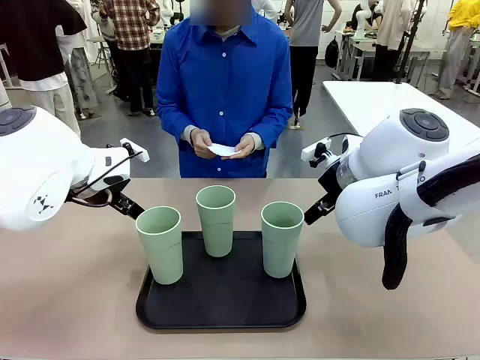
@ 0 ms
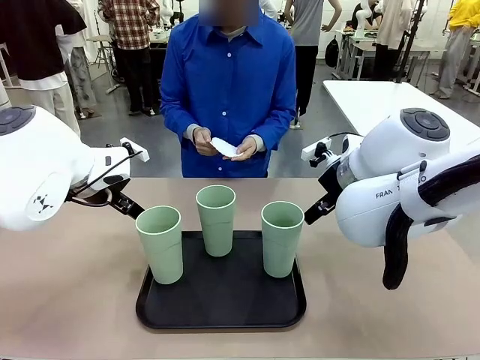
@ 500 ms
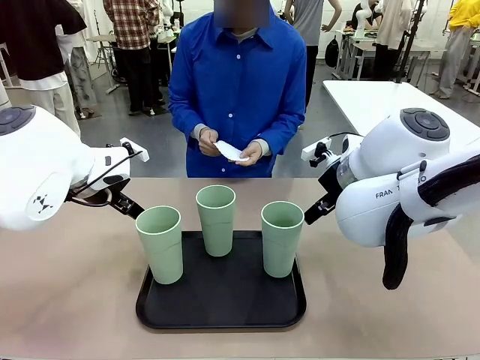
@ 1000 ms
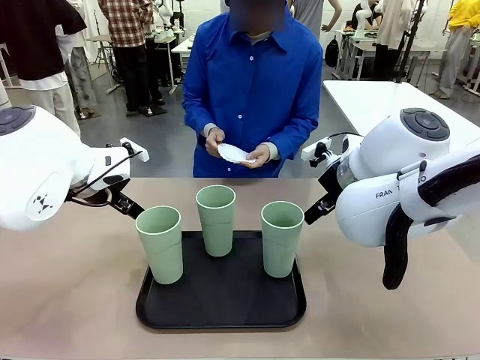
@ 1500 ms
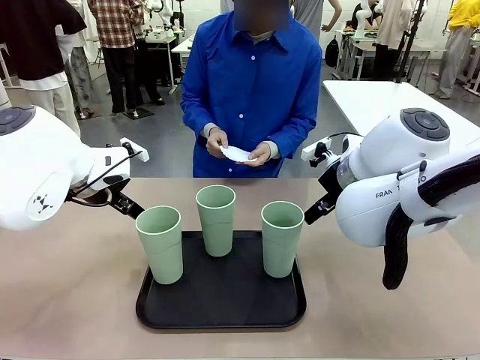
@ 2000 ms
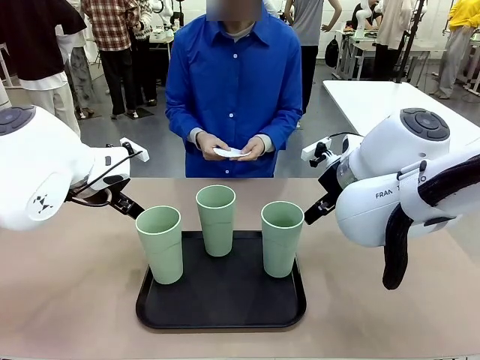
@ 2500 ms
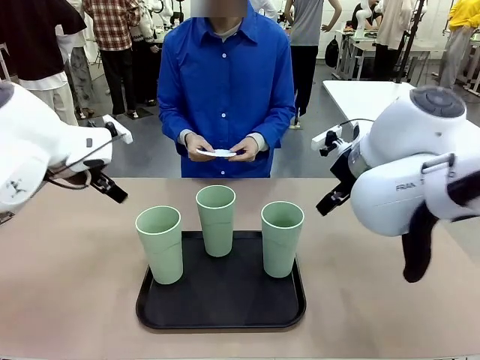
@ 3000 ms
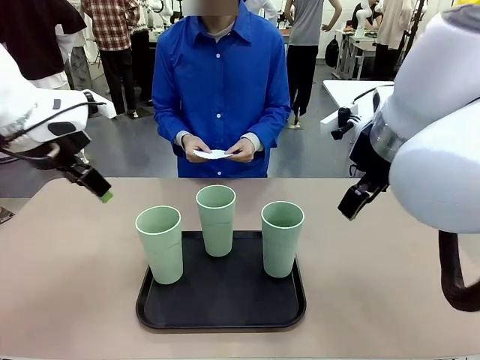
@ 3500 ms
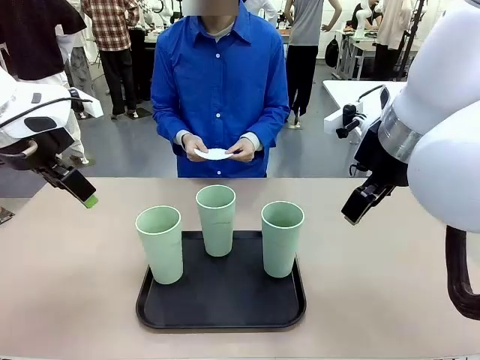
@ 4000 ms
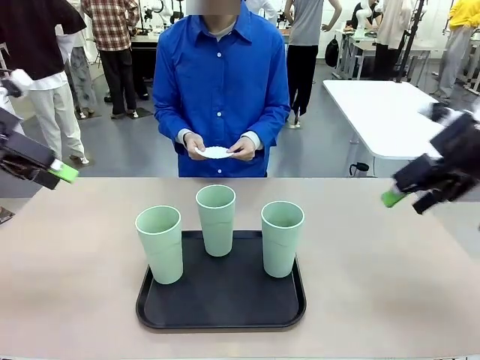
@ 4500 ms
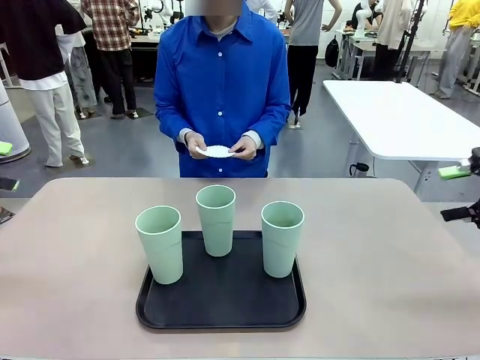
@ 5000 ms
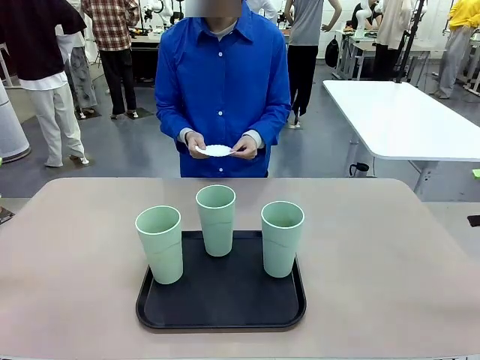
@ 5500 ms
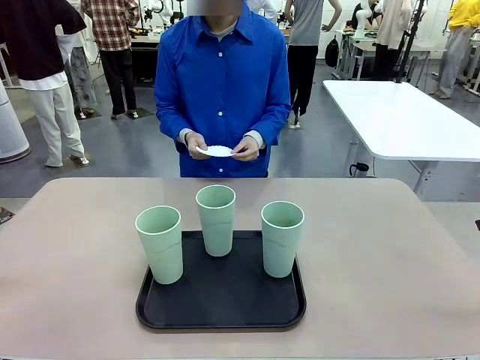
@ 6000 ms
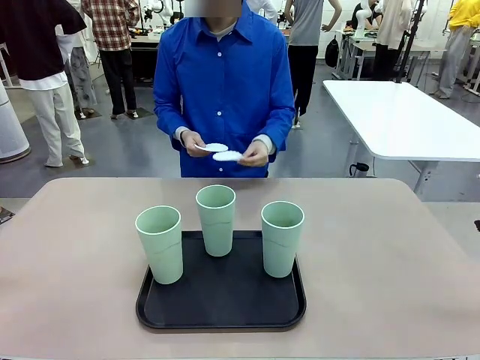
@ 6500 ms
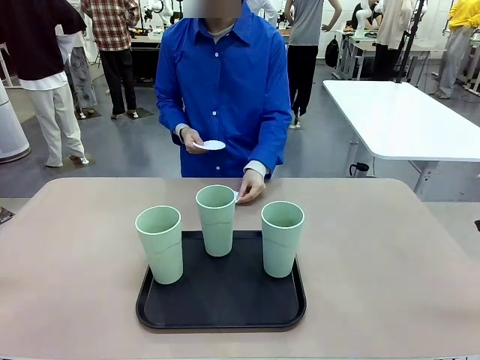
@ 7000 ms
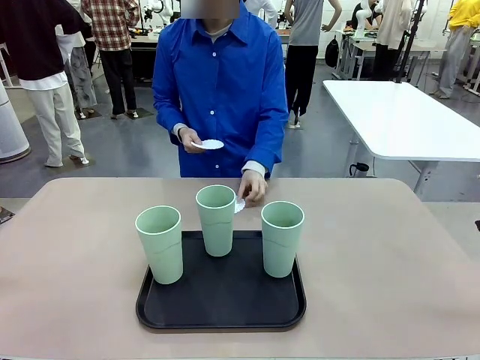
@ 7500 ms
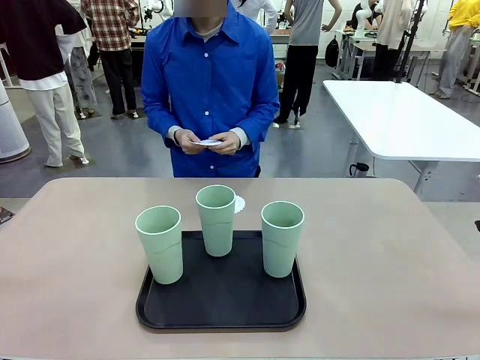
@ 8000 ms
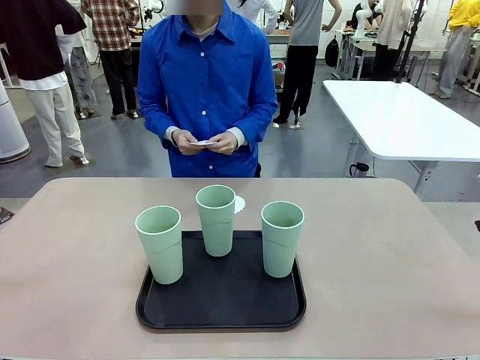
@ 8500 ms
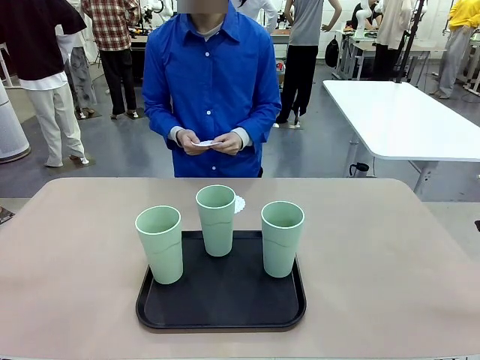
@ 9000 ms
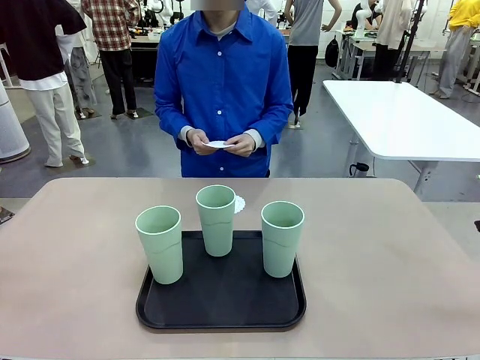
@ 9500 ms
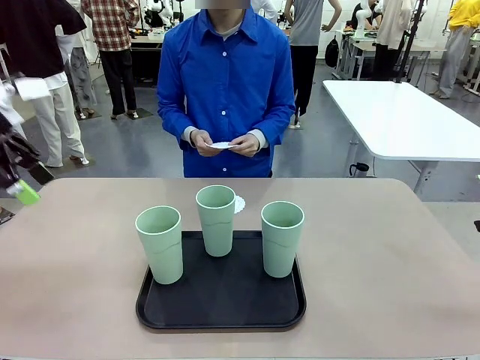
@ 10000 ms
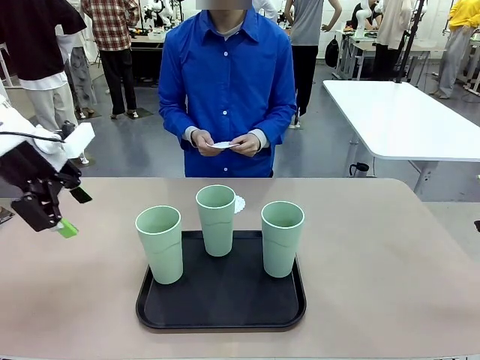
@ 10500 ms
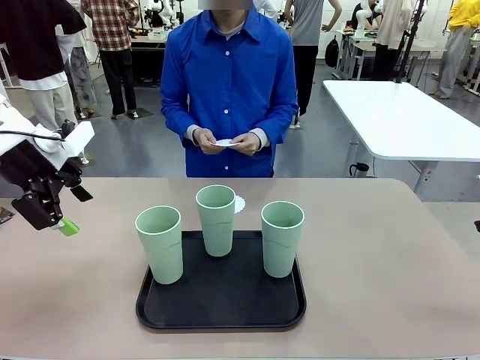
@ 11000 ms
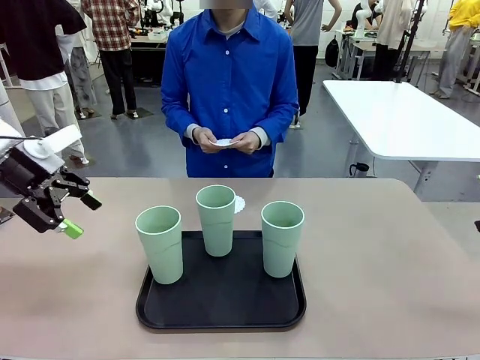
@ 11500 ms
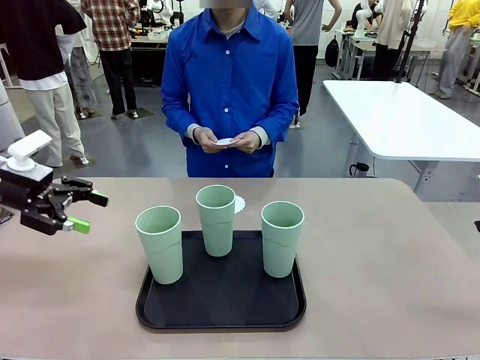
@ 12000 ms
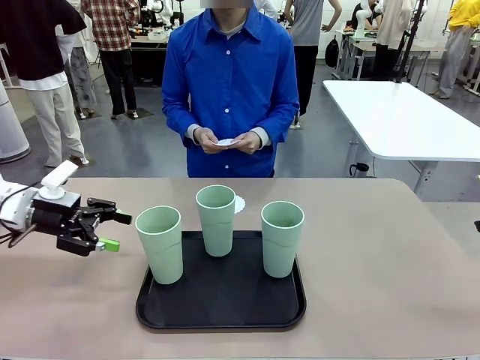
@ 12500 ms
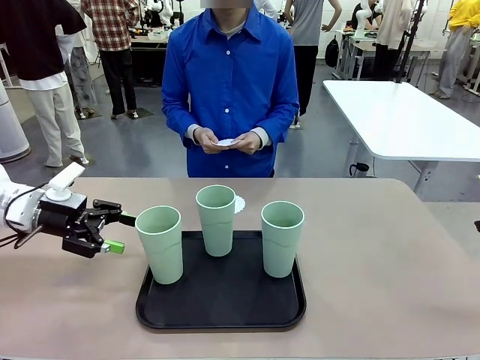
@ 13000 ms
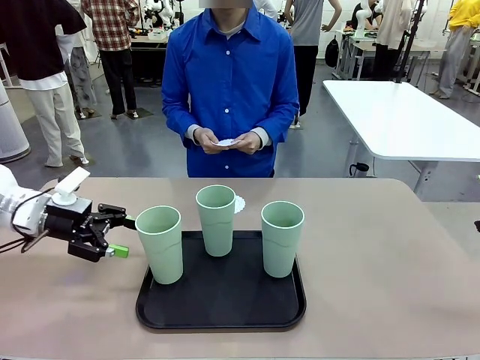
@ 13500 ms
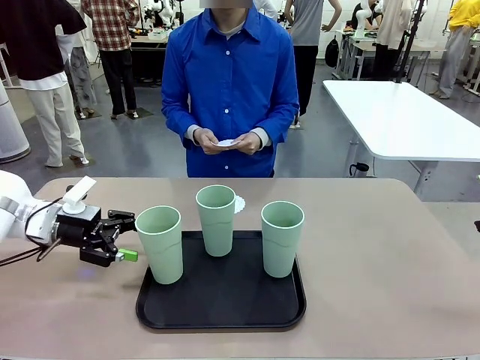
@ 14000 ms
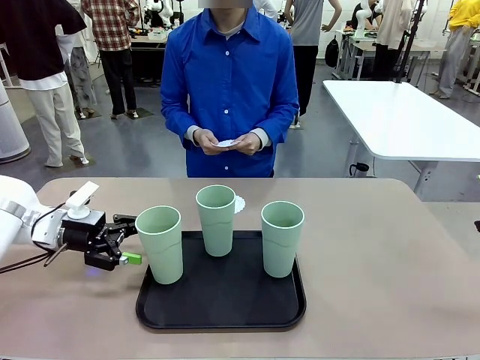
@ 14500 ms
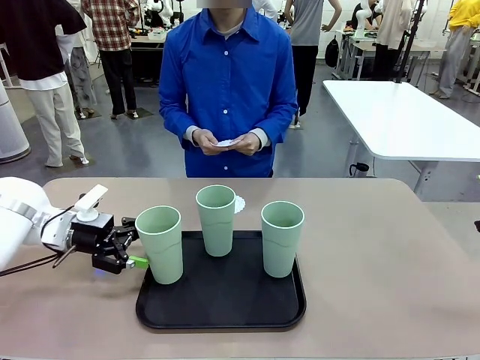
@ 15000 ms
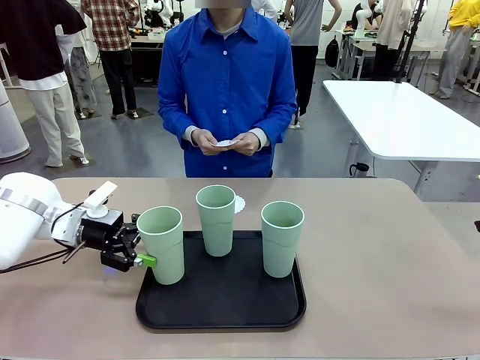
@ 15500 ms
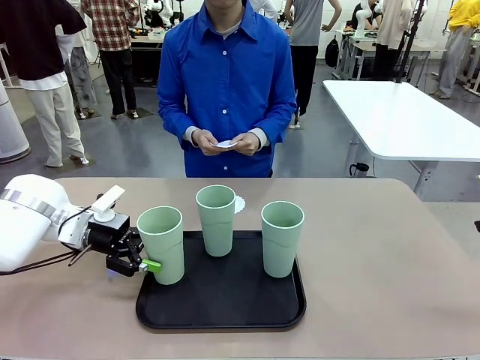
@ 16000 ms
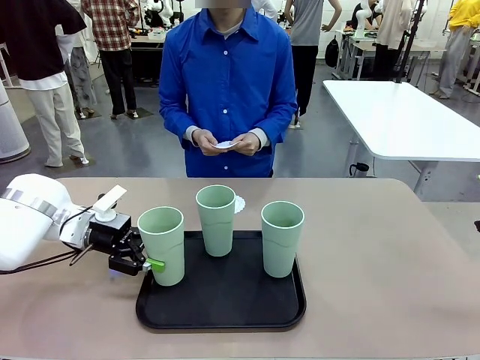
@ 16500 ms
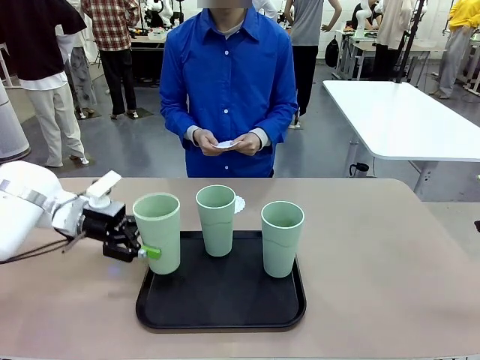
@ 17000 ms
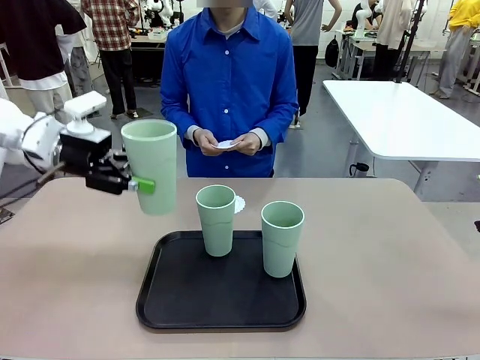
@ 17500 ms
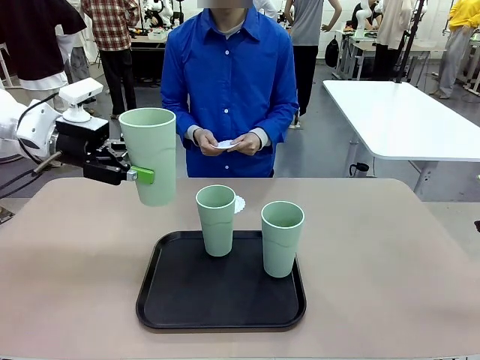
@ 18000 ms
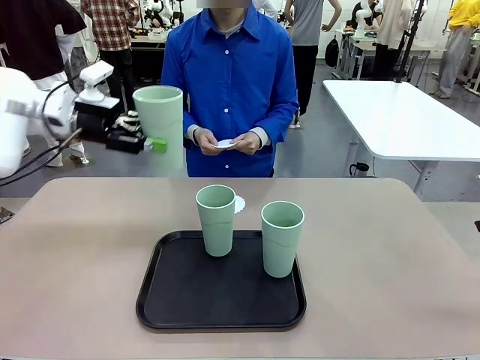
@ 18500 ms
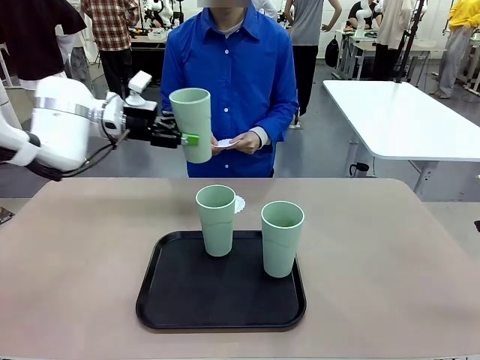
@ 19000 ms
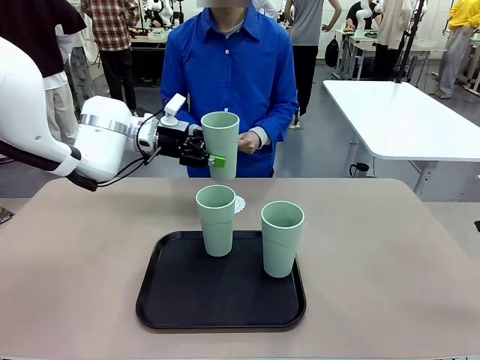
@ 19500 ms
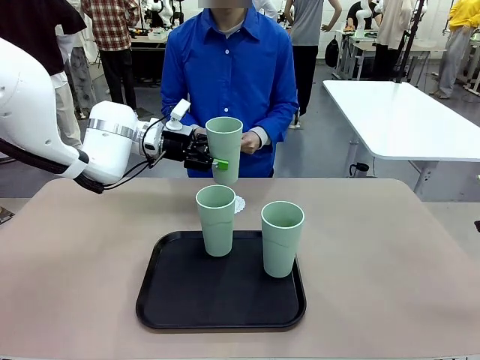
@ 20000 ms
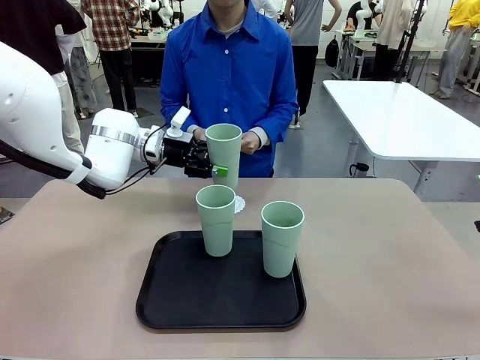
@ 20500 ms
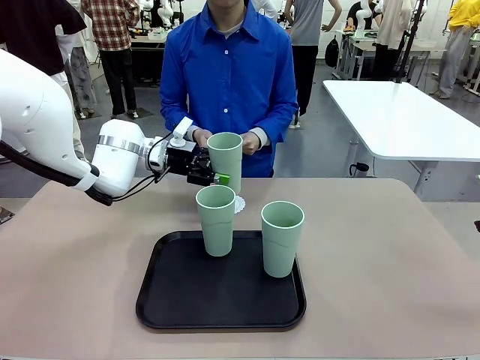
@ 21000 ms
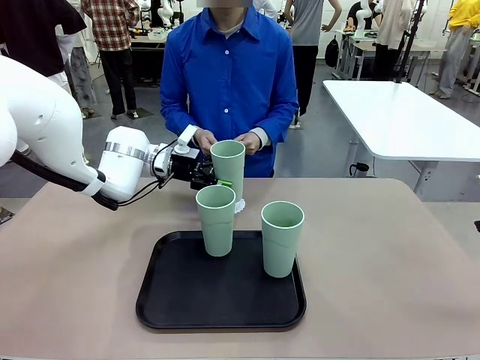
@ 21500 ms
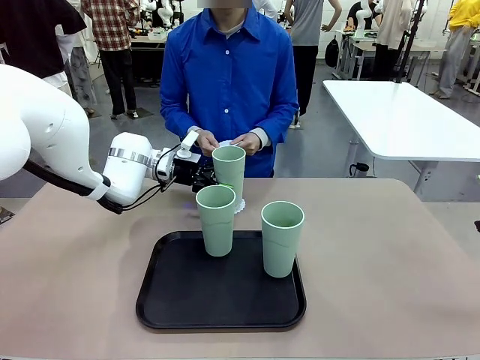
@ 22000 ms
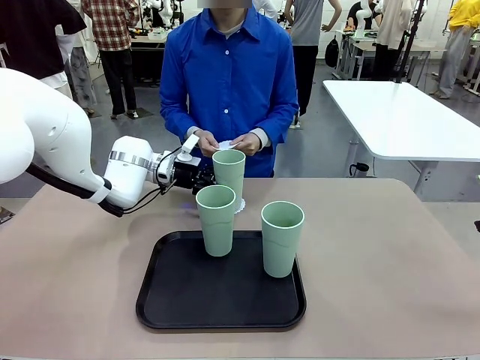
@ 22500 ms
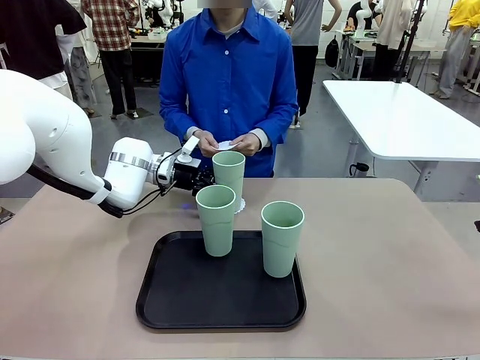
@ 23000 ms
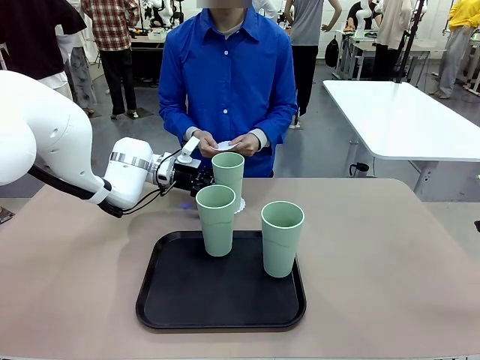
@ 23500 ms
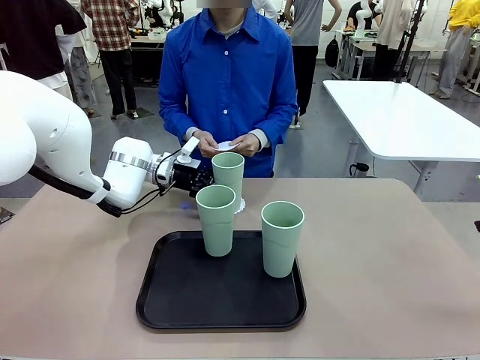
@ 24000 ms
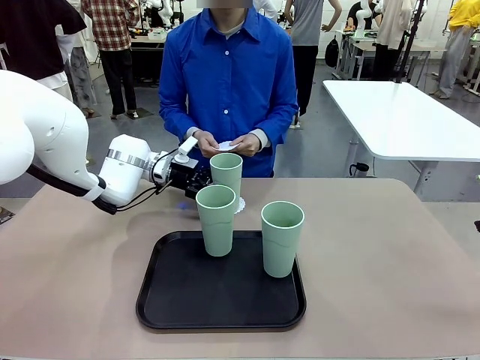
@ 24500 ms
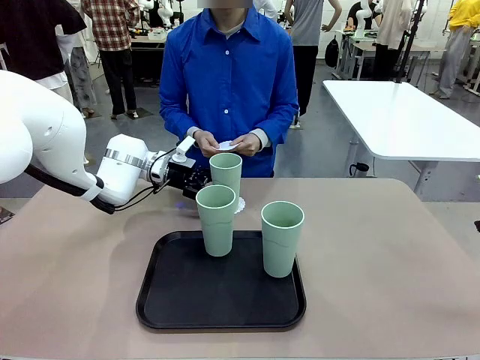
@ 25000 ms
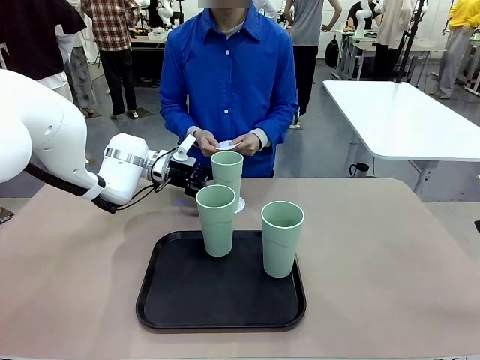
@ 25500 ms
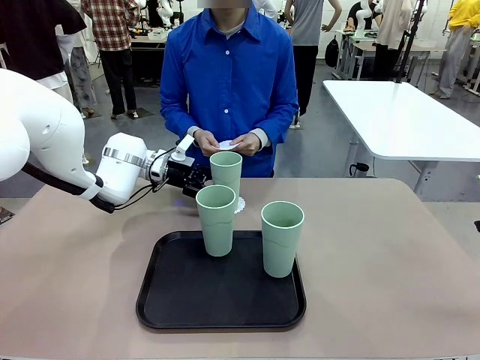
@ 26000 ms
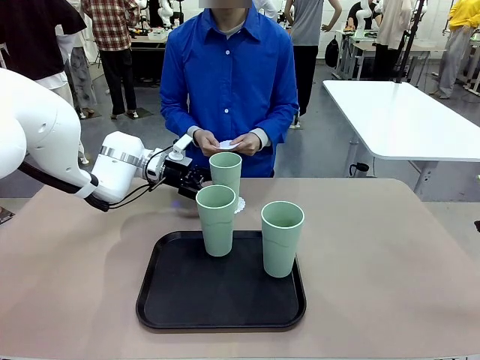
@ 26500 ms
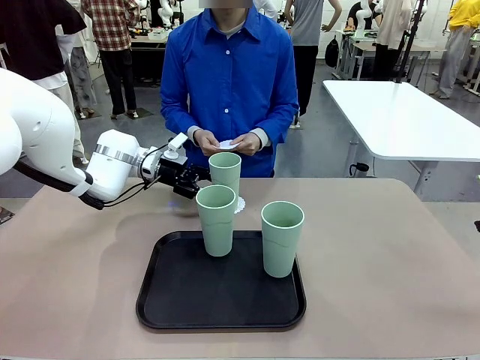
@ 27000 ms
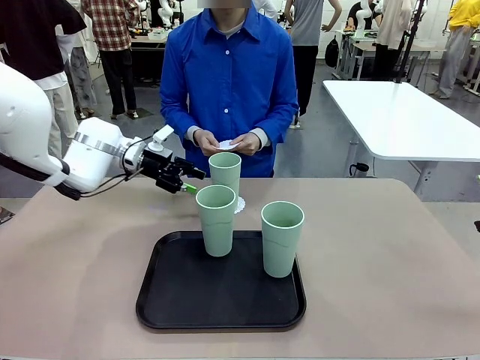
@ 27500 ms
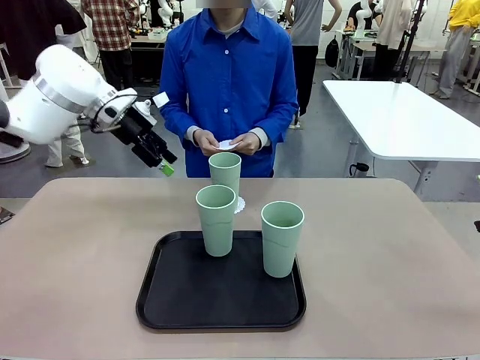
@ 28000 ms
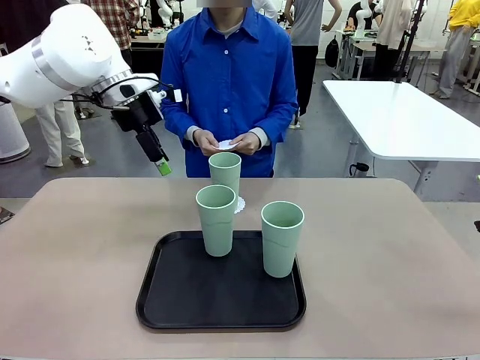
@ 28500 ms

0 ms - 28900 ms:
Task: Place coasters on the table and set cups on them.
Robot: Pick up one Reusable plastic cup and place it on a coaster set by the human.
Person: Place one coaster in any one of the three lower areas of the robot table (left, center, or right). Place one coaster in one of the two areas excluding the previously selected area.
